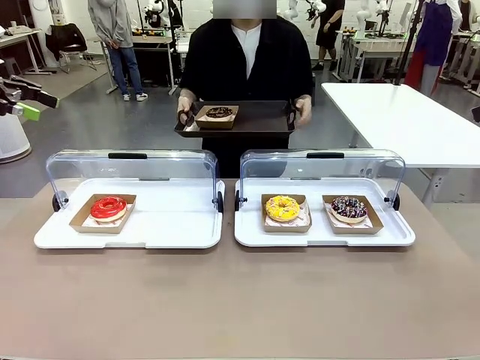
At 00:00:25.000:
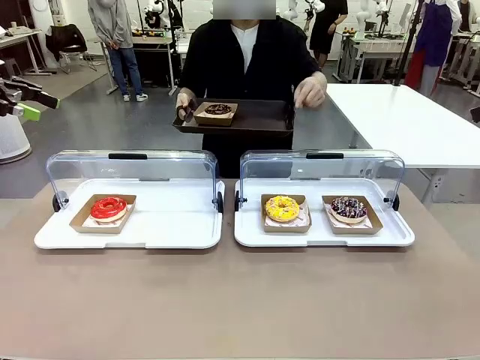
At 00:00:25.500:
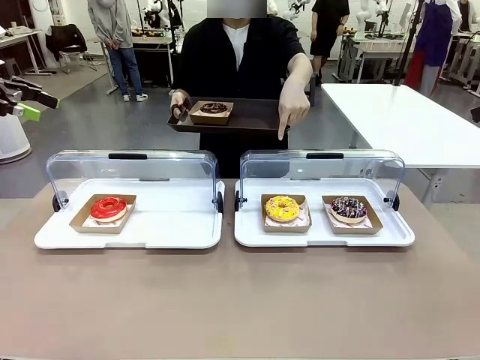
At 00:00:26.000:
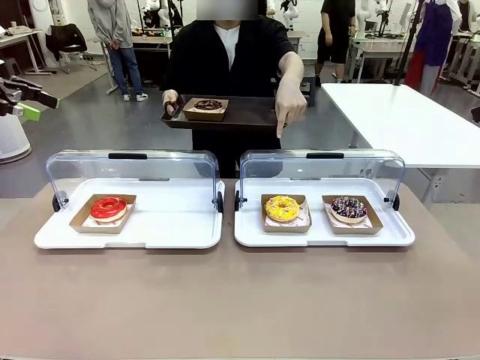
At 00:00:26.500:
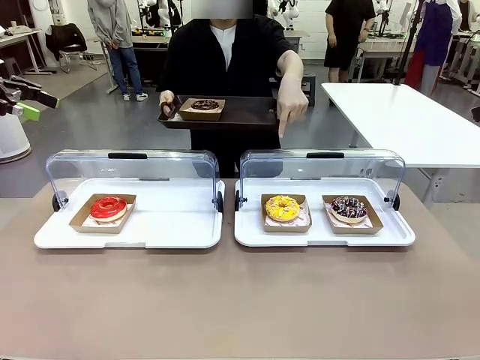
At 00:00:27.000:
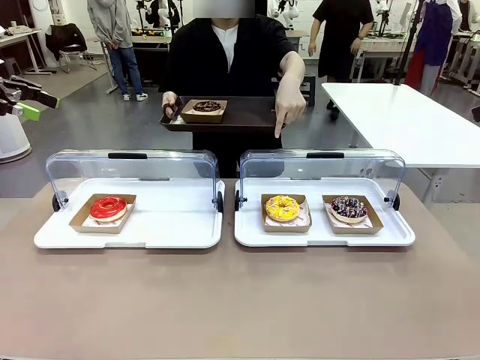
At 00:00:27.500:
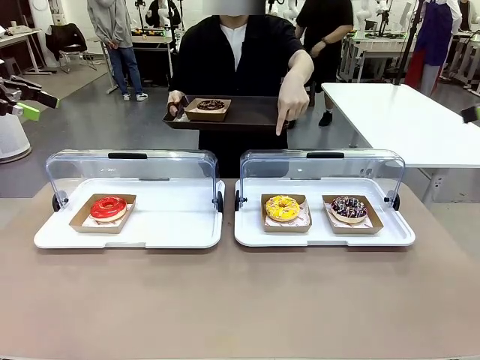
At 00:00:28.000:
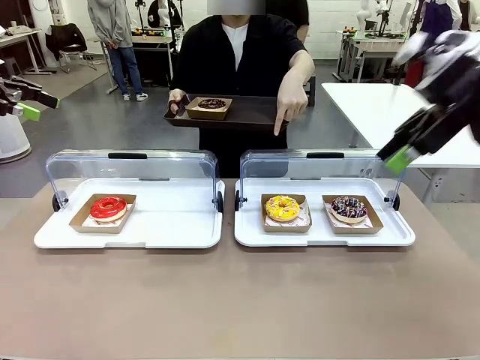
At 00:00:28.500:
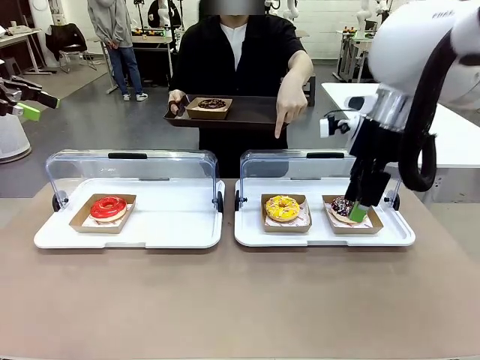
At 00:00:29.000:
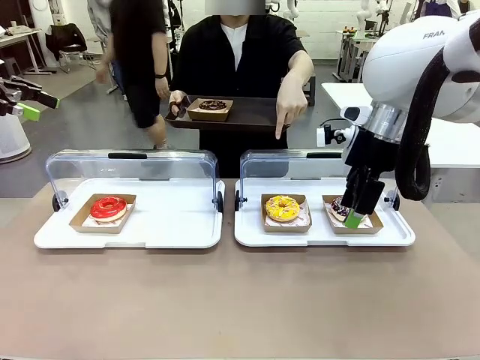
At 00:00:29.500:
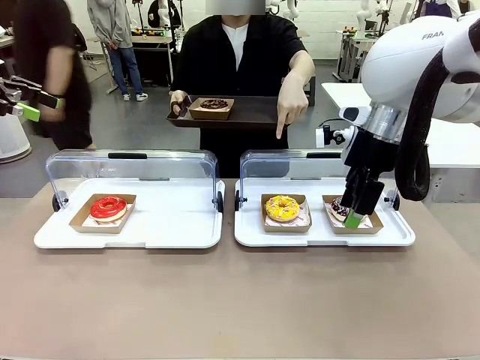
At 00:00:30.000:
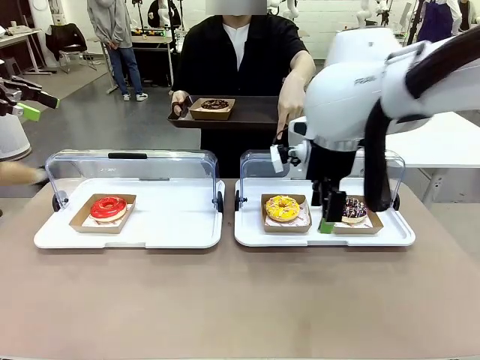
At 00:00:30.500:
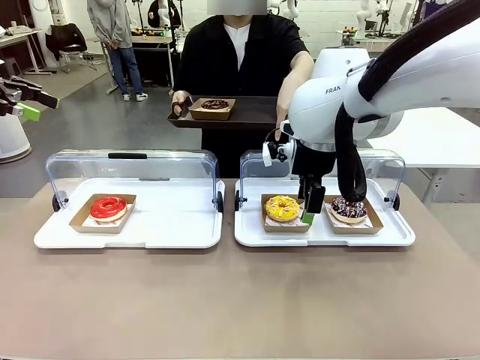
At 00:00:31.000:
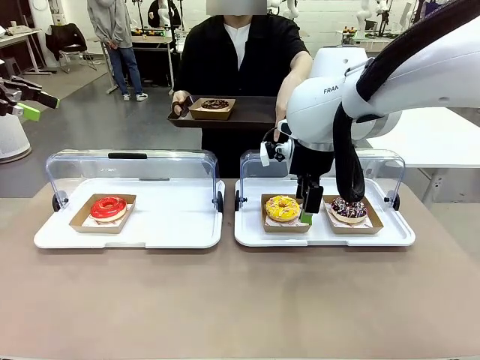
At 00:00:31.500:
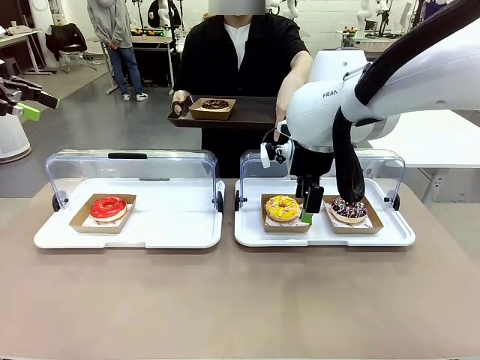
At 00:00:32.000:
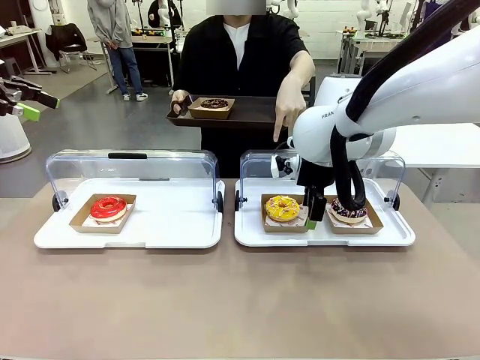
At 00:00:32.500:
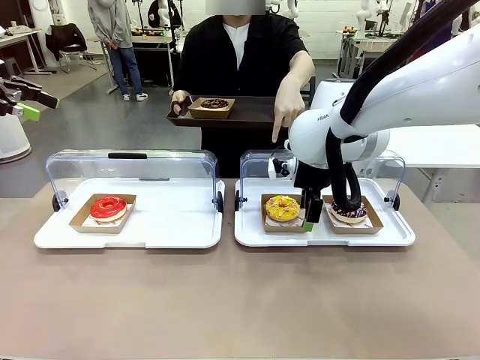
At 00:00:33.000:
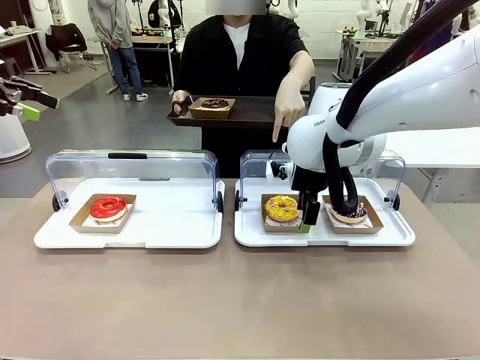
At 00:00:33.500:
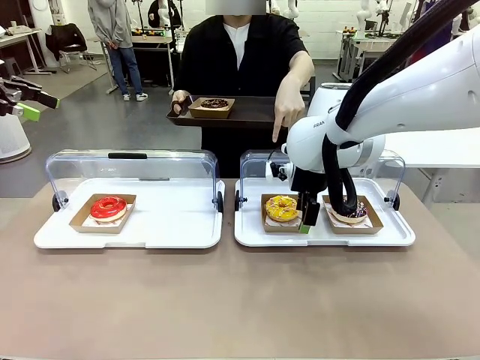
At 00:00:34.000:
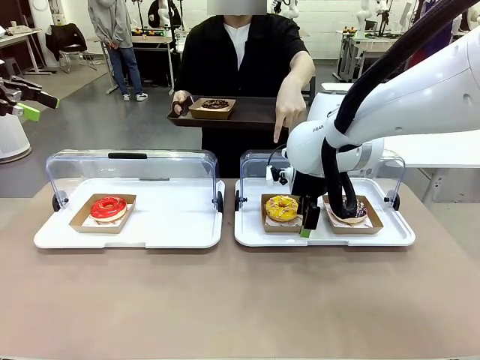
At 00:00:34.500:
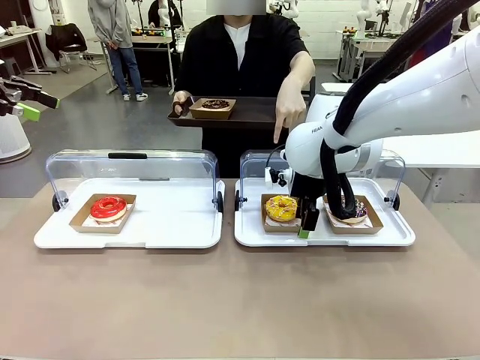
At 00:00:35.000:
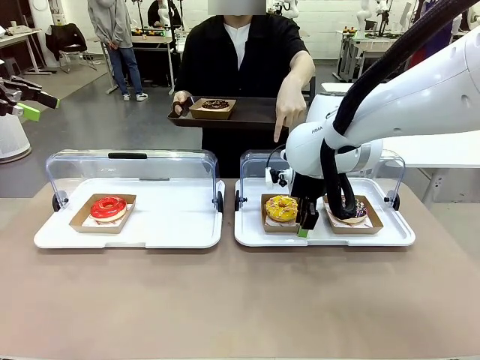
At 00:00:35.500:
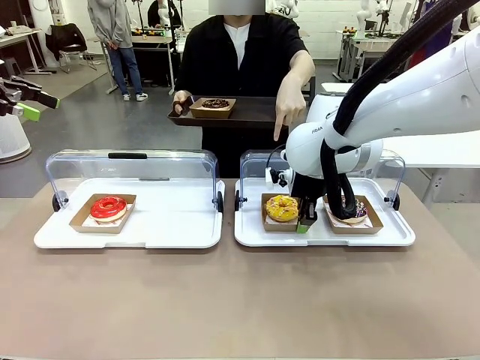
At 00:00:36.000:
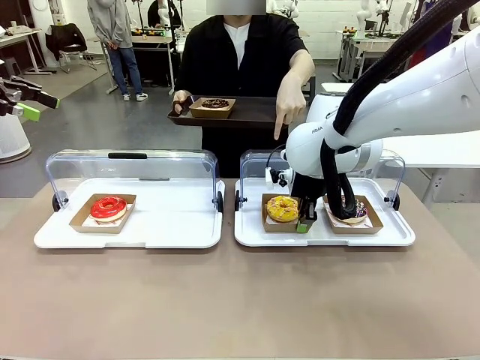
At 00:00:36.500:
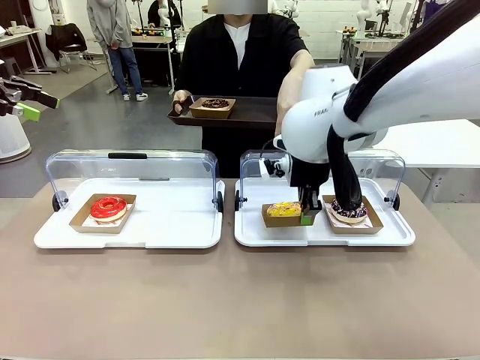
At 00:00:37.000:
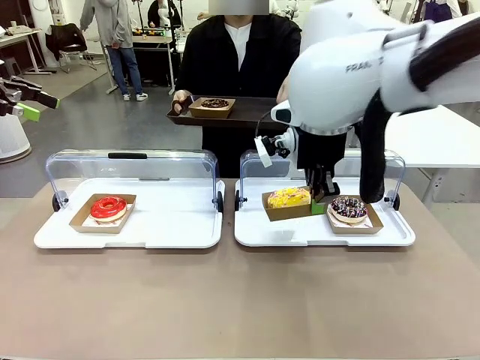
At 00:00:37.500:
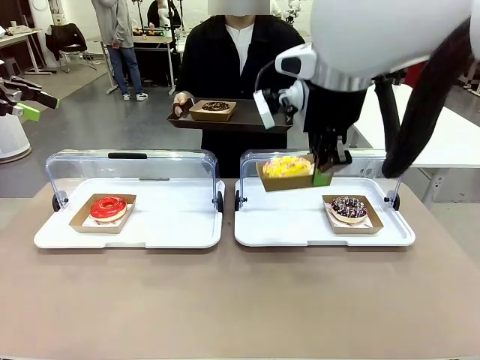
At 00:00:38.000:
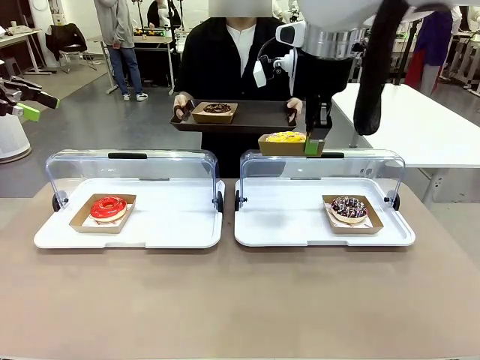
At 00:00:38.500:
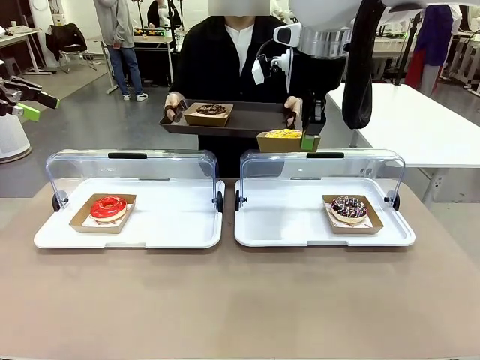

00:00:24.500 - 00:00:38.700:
Task: Provide the desired donut to the person.
Robot: Pick up and lift the Paper togo box containing the Donut pointed at by the person.
Person: Lift the tray onto the Roll-Top Bakery Case.

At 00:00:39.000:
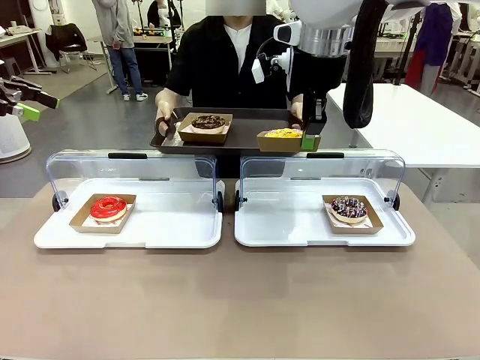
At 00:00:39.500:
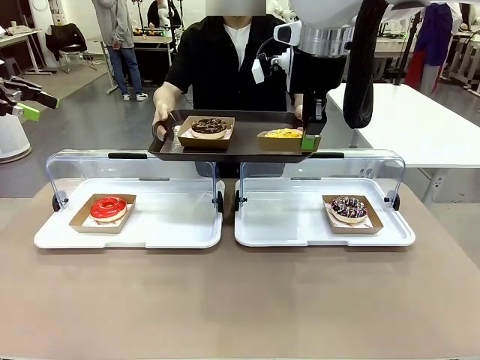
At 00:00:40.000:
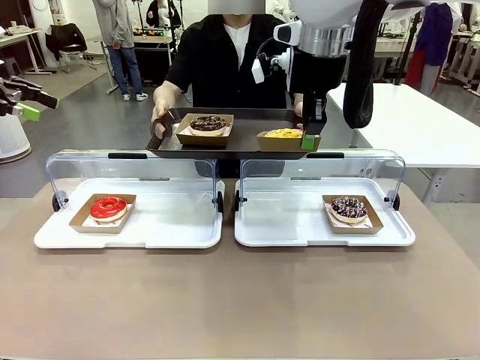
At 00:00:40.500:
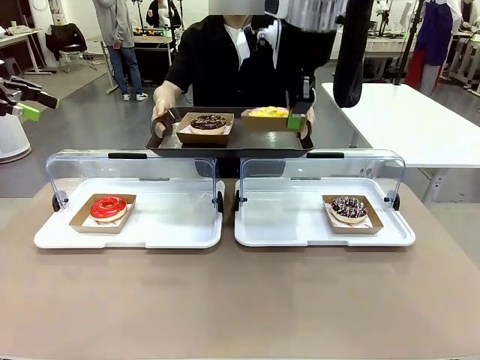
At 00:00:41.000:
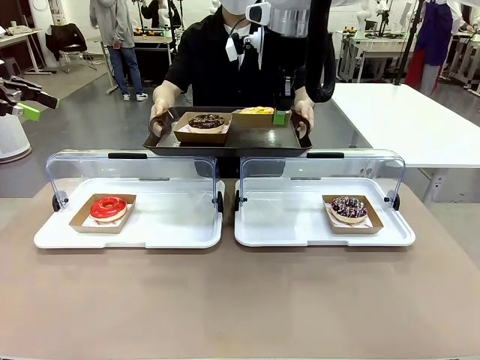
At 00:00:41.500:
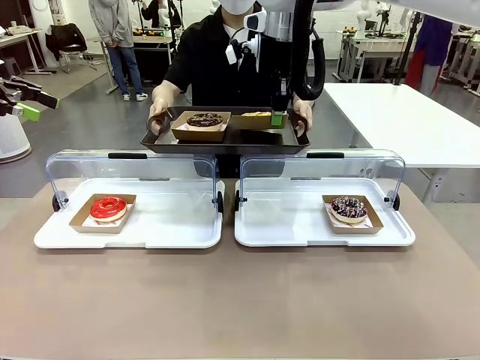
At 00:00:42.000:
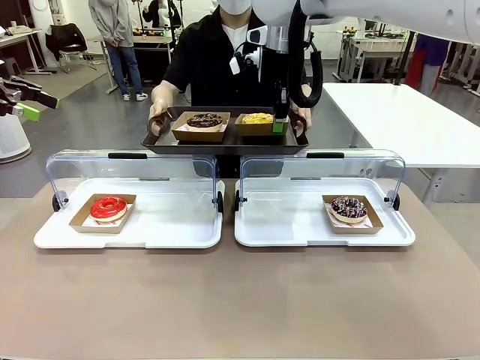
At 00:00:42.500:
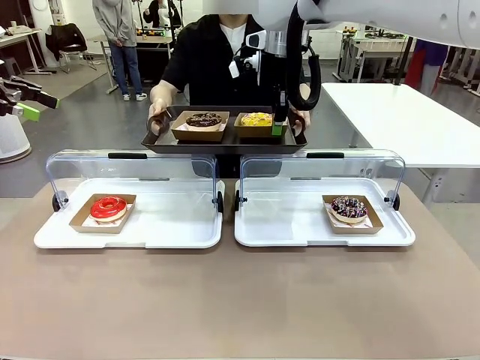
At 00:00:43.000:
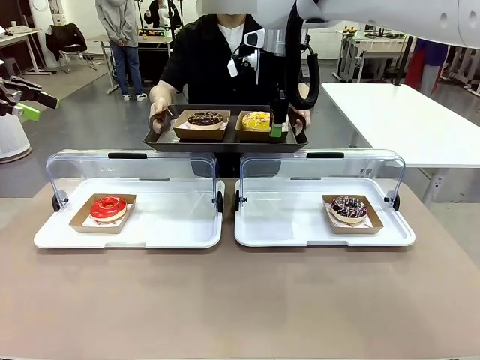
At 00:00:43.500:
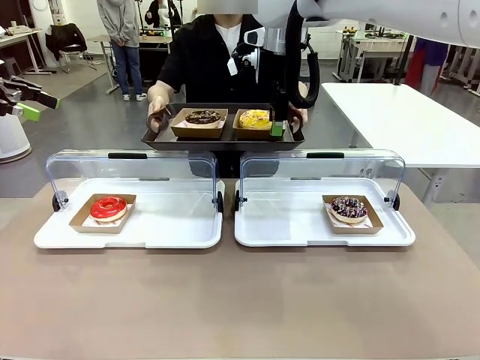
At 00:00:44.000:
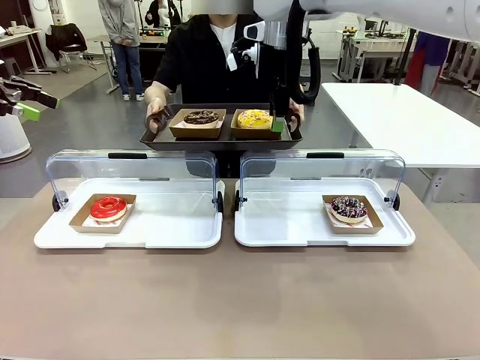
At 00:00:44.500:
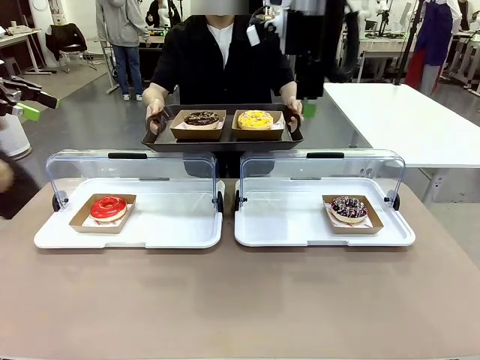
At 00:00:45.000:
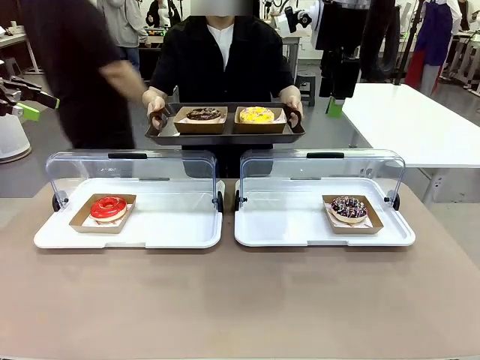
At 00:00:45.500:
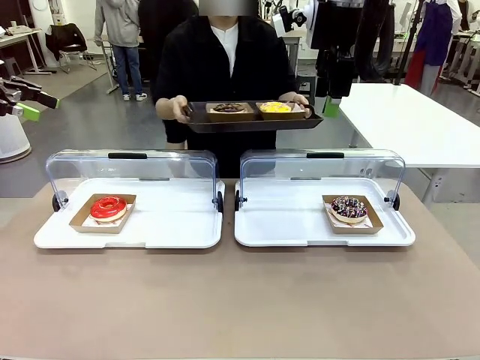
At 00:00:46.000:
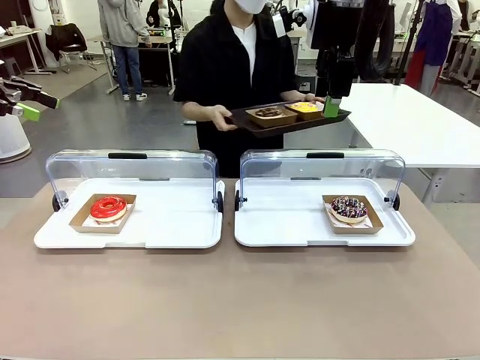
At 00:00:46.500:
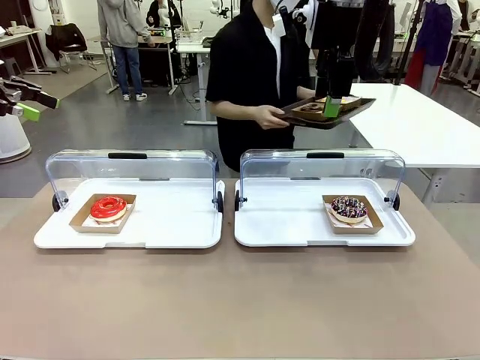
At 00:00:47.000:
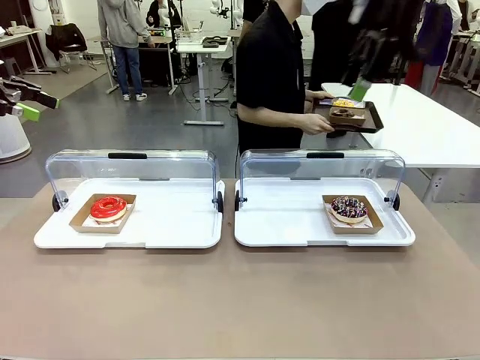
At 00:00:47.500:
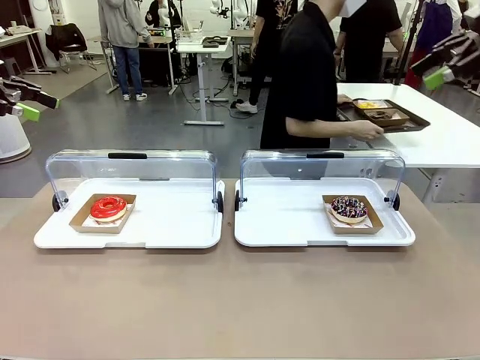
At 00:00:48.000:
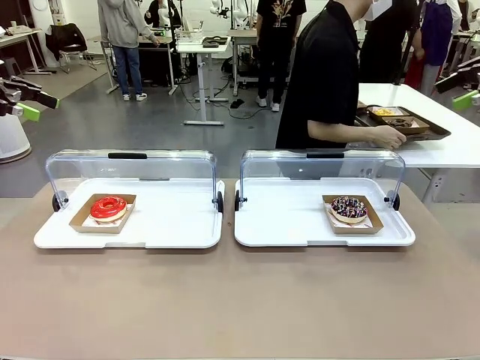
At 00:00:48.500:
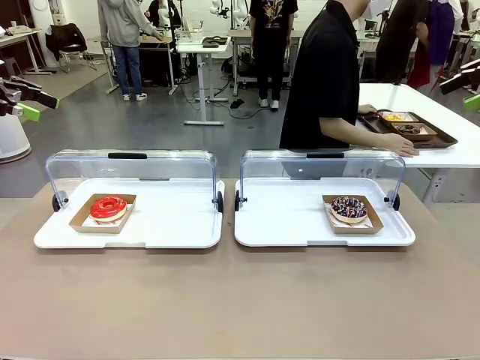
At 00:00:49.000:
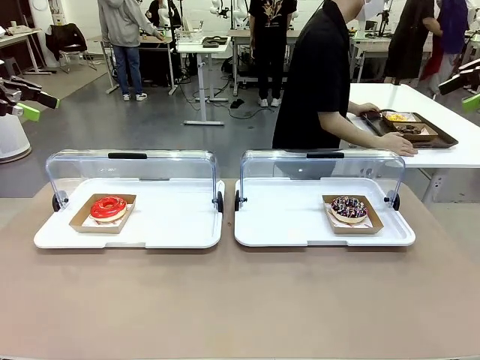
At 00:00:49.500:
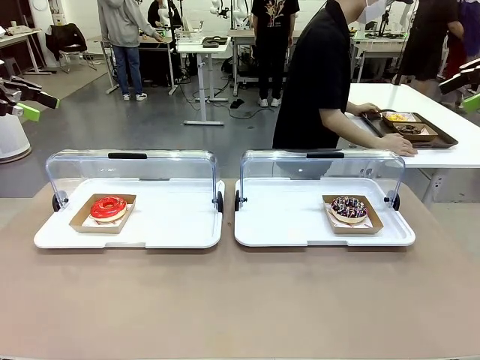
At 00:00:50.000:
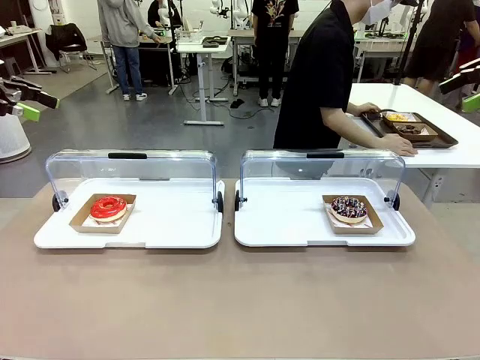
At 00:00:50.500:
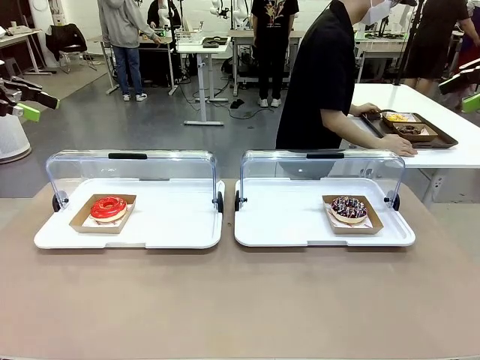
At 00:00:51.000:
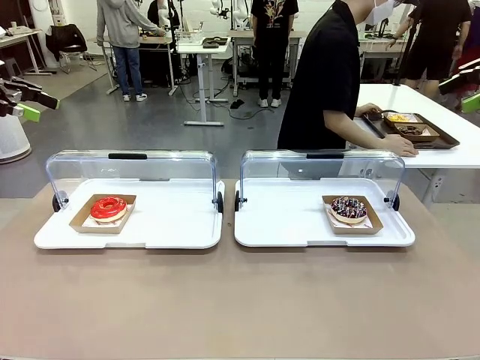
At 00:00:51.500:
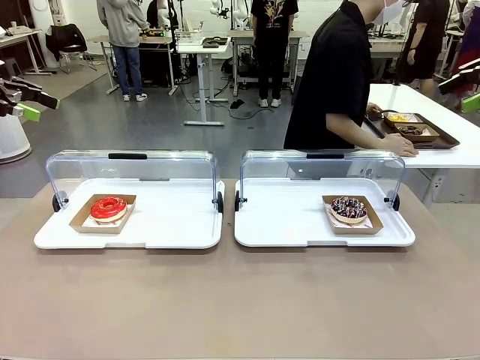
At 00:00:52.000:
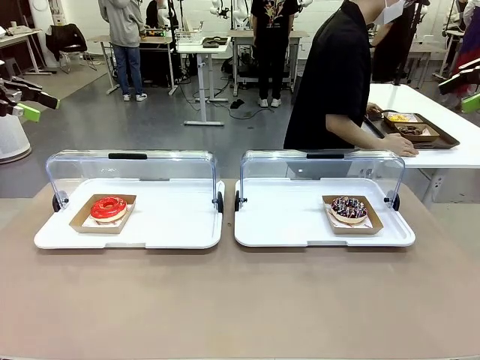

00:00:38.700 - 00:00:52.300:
Robot: Place the picked Paper togo box onto the Handle tray extended by the person.
Person: Place the tray in the middle of the human table.
